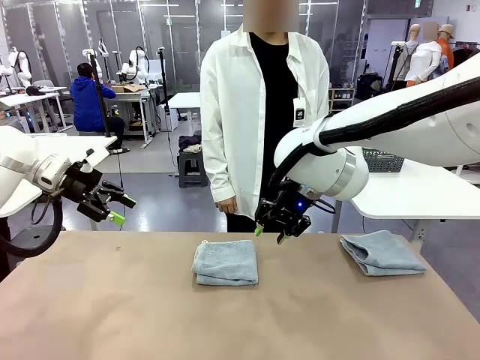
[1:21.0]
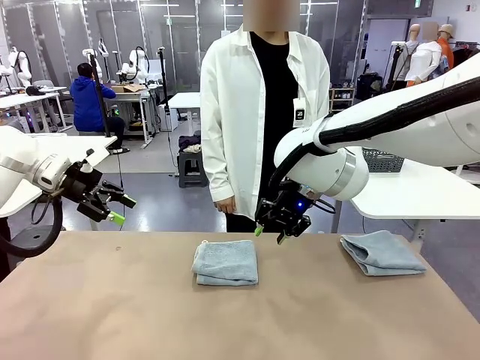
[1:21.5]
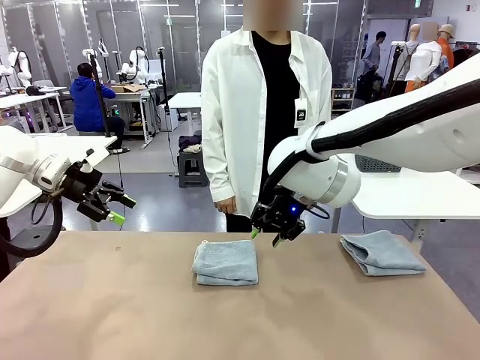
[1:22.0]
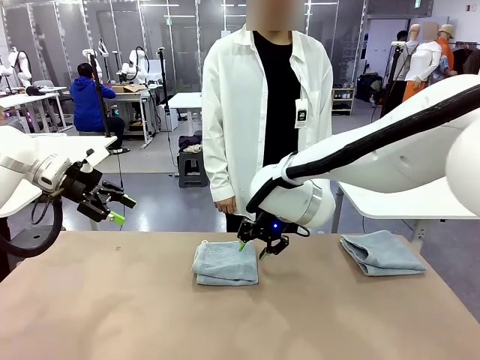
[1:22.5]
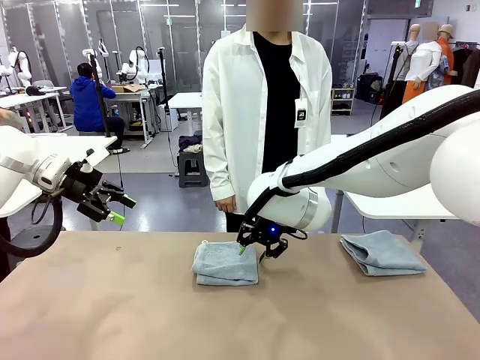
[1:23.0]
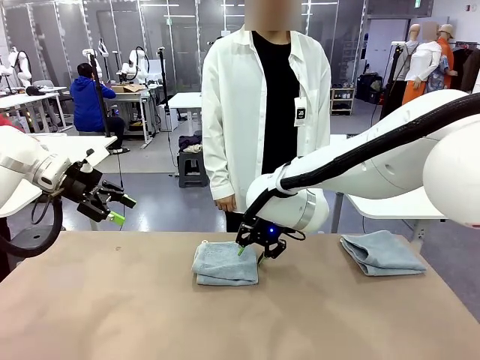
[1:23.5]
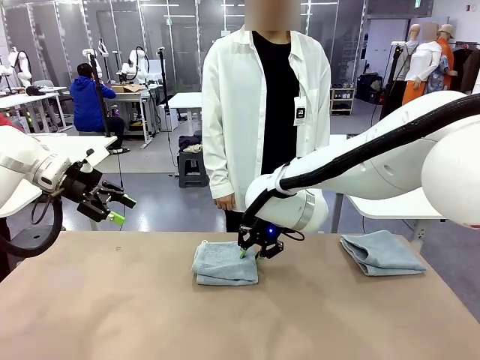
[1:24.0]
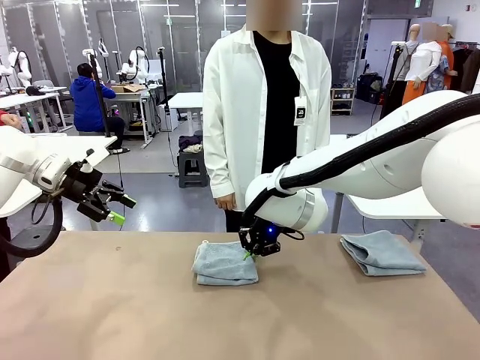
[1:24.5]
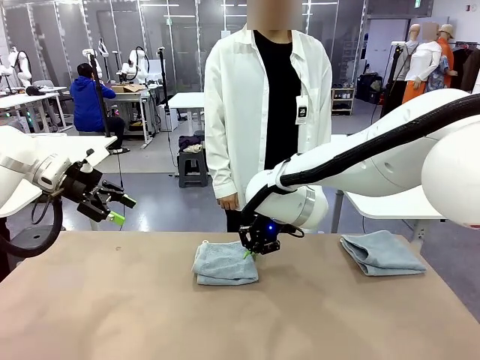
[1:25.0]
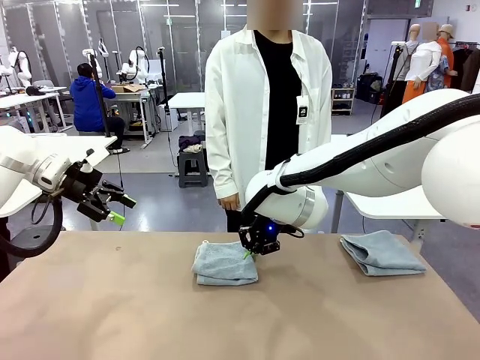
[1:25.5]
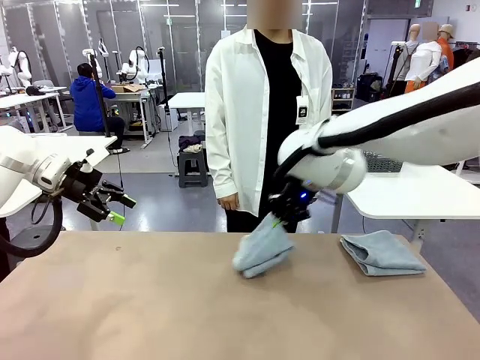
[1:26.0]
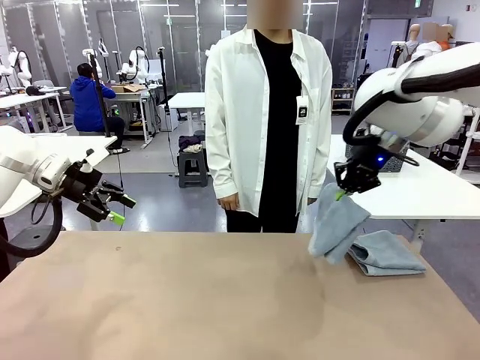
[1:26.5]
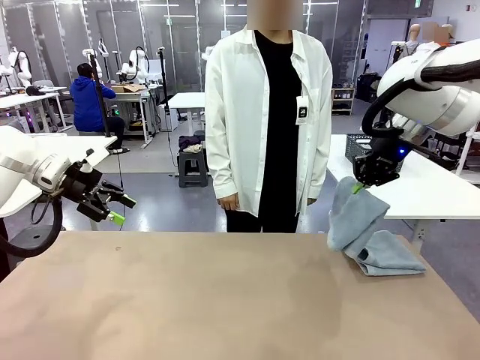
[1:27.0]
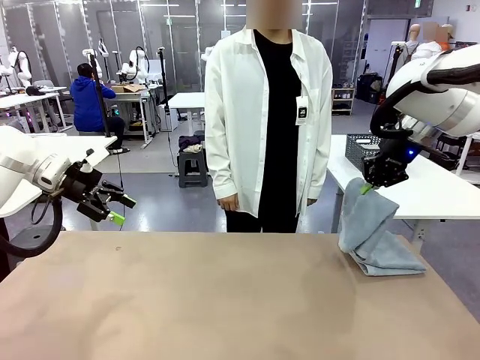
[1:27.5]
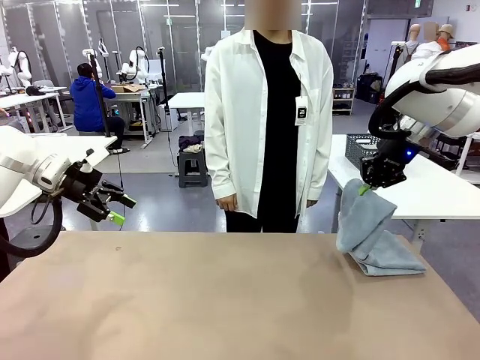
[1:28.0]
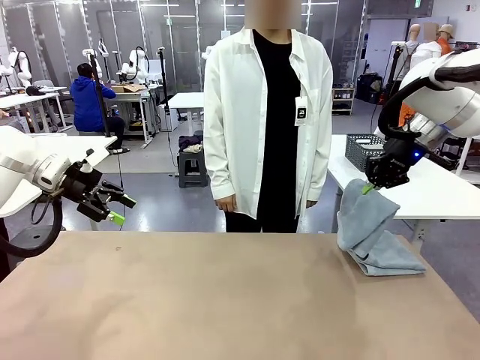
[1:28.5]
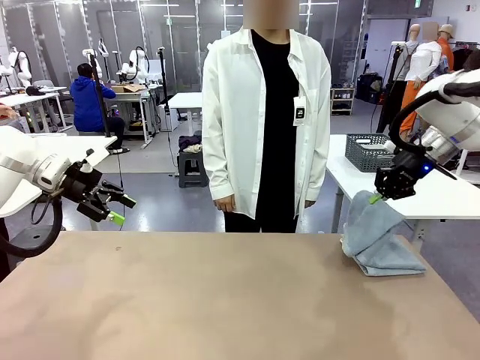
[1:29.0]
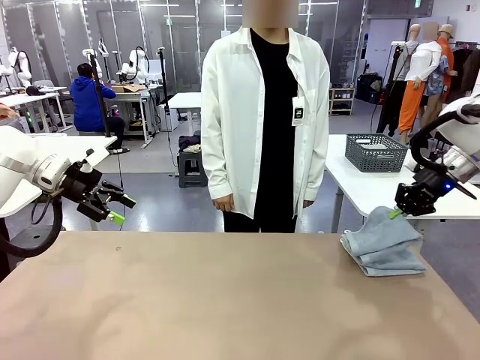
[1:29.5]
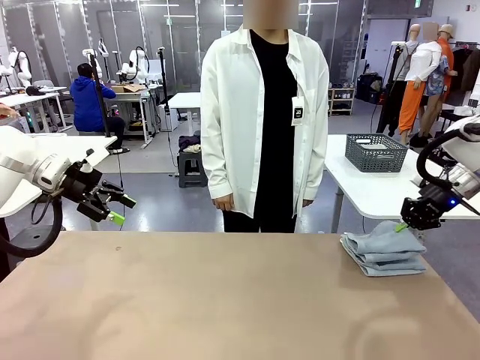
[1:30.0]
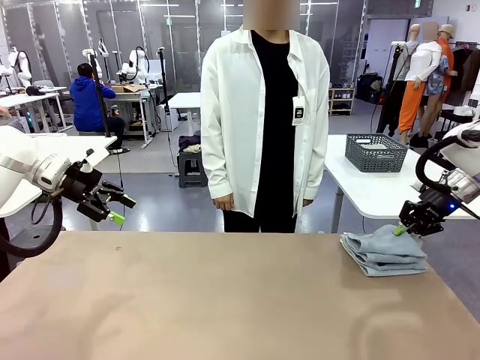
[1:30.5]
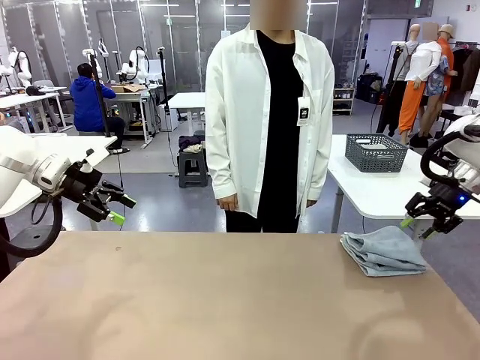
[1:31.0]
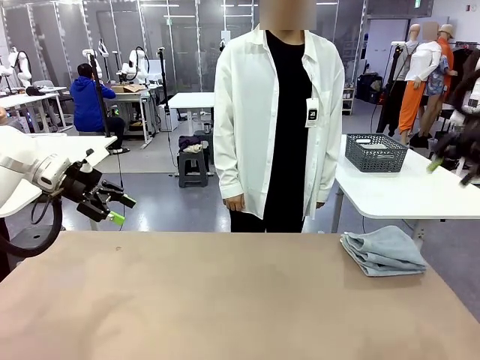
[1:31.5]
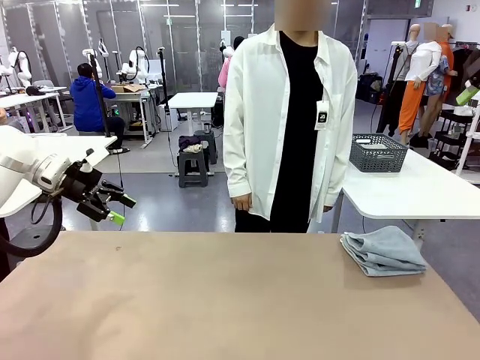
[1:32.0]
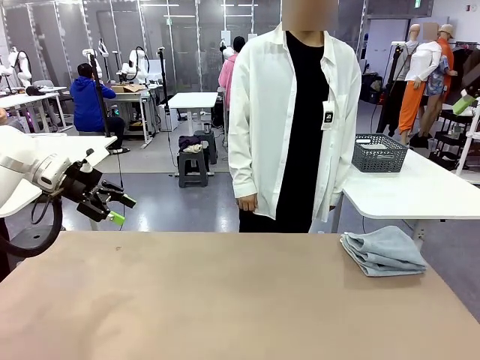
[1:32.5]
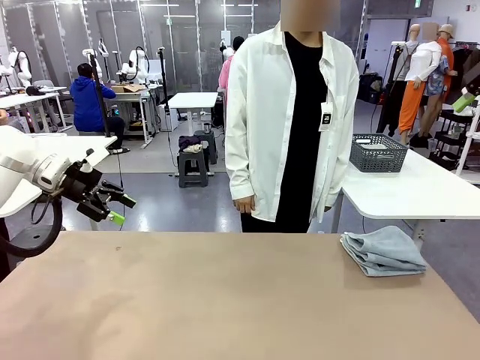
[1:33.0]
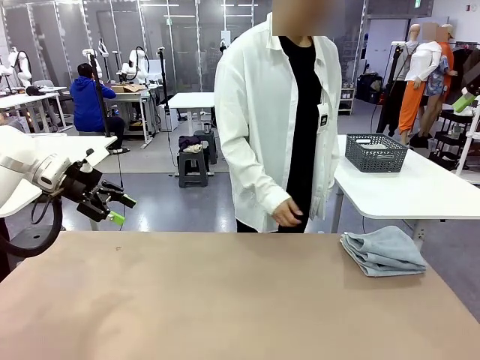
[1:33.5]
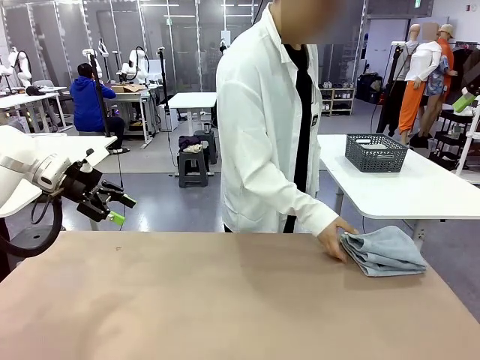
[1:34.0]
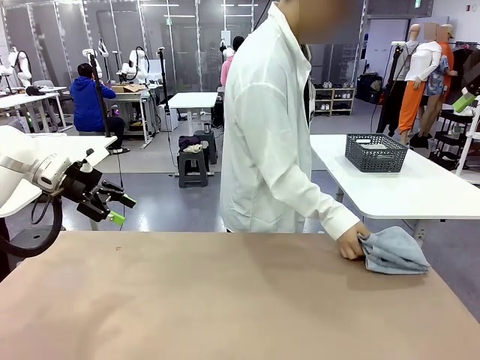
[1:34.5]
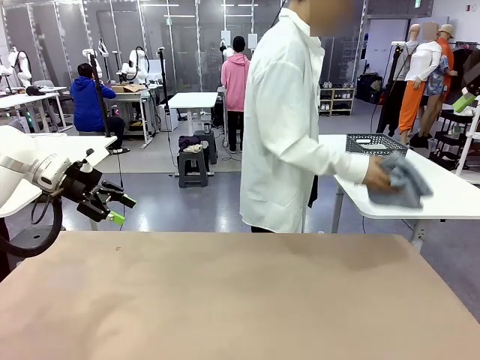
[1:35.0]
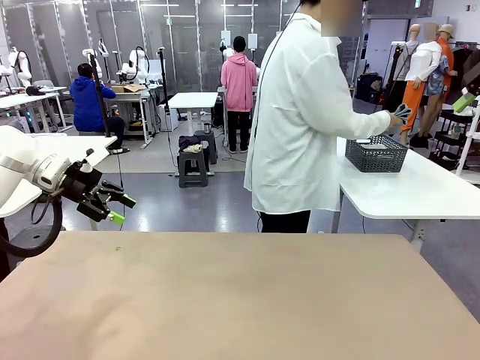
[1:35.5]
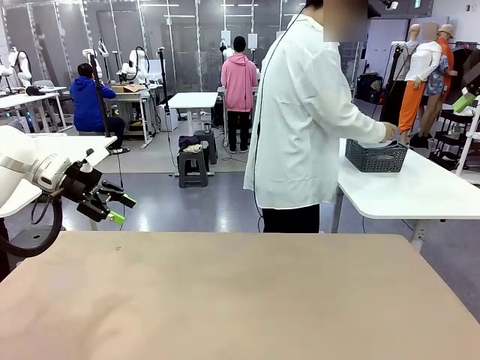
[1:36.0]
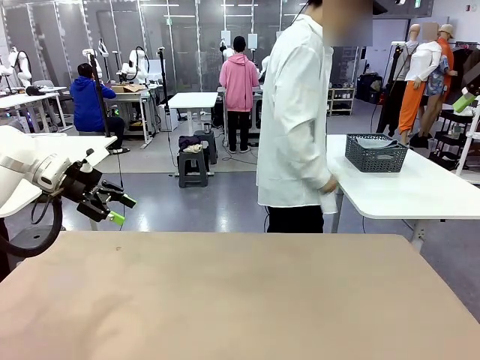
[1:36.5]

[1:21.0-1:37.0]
Task: Fold the towels and place them in the basket.
Robot: Stack the folded Towel with hook on the right side of the table.
Person: Pick up the stack of towels from the robot table and place it into the basket.
